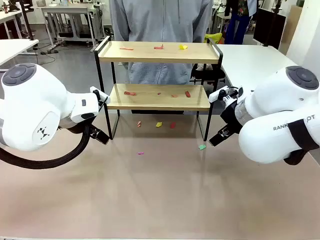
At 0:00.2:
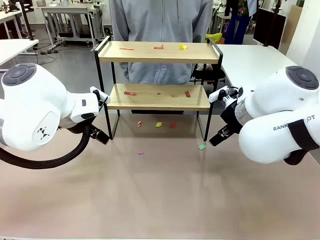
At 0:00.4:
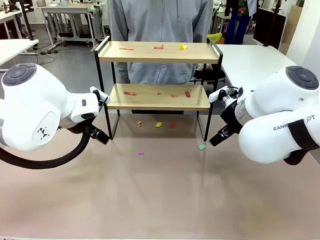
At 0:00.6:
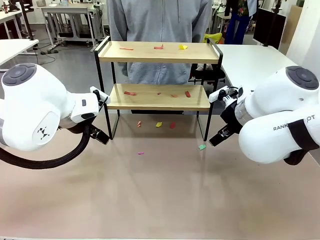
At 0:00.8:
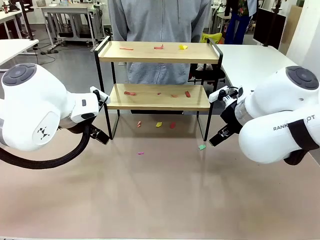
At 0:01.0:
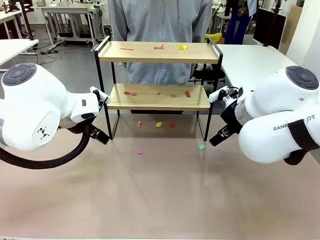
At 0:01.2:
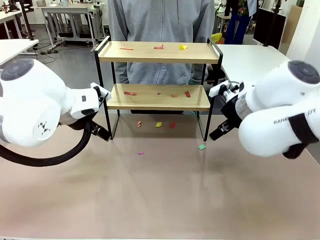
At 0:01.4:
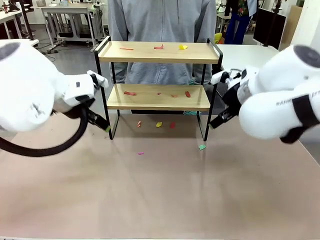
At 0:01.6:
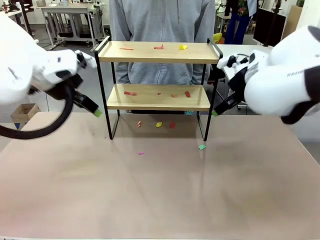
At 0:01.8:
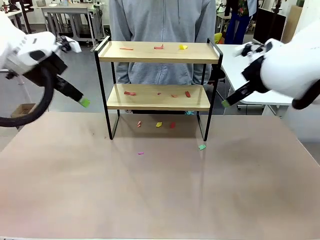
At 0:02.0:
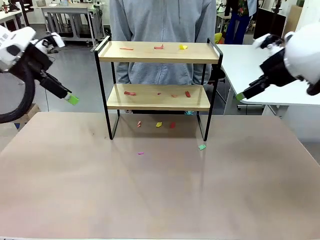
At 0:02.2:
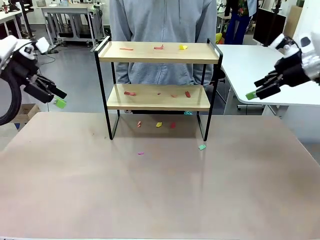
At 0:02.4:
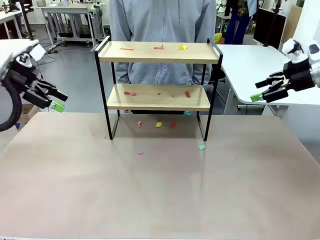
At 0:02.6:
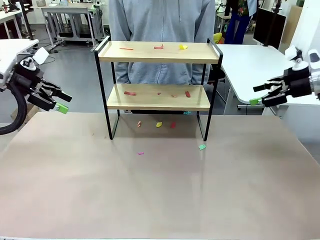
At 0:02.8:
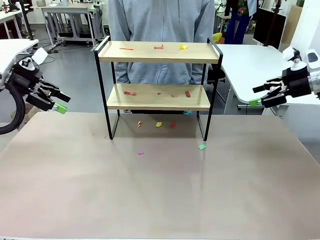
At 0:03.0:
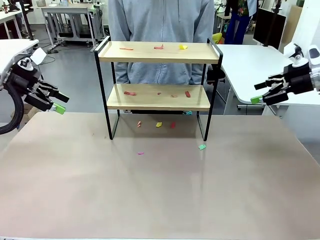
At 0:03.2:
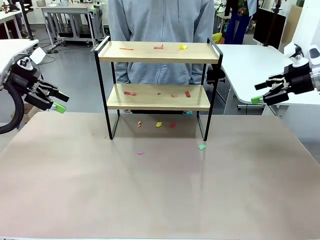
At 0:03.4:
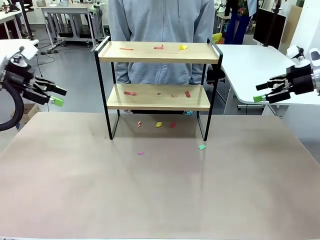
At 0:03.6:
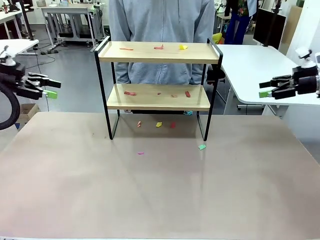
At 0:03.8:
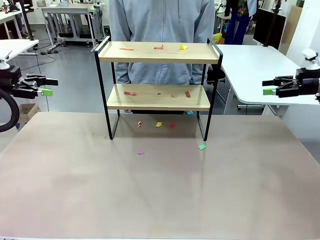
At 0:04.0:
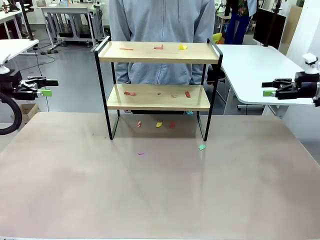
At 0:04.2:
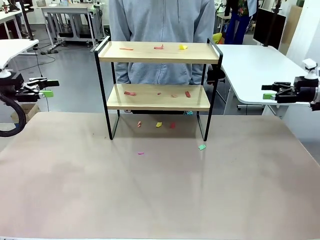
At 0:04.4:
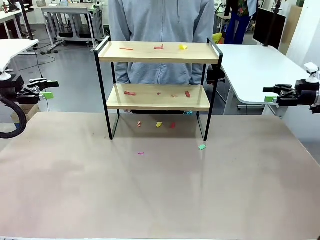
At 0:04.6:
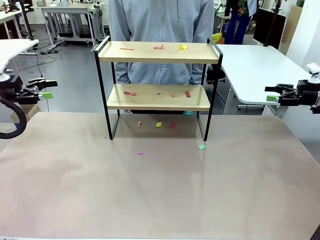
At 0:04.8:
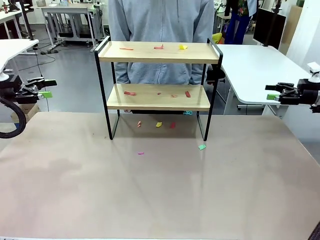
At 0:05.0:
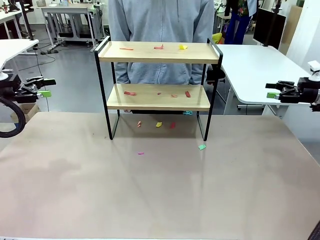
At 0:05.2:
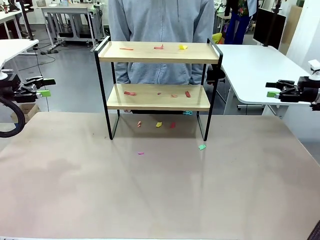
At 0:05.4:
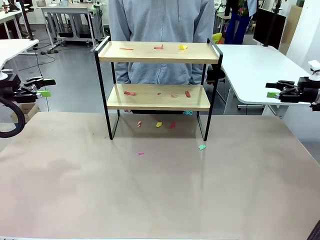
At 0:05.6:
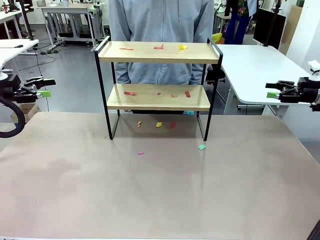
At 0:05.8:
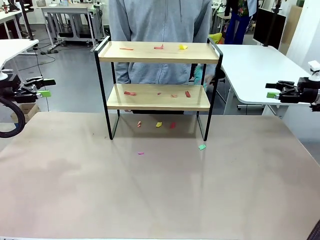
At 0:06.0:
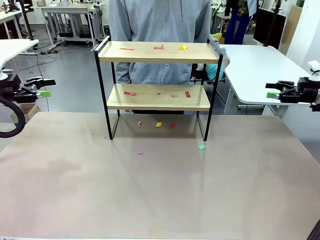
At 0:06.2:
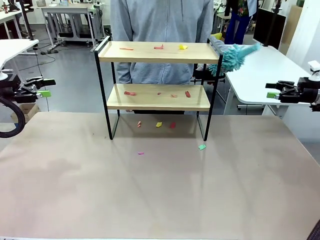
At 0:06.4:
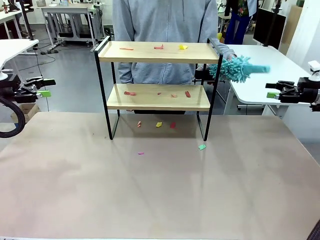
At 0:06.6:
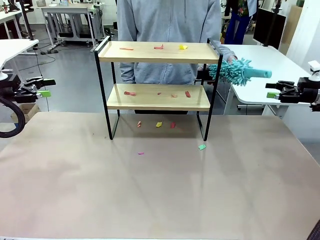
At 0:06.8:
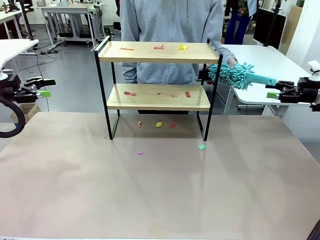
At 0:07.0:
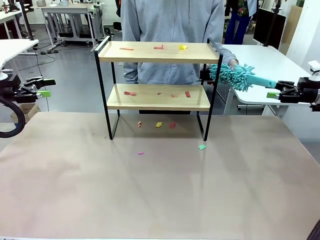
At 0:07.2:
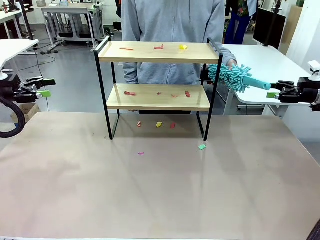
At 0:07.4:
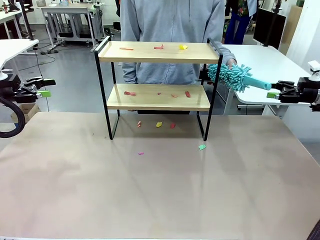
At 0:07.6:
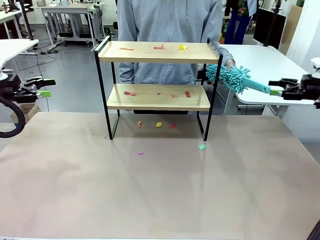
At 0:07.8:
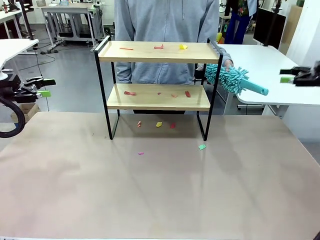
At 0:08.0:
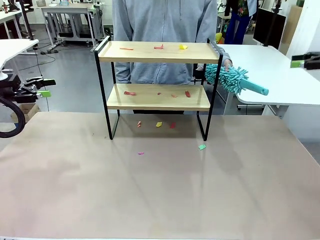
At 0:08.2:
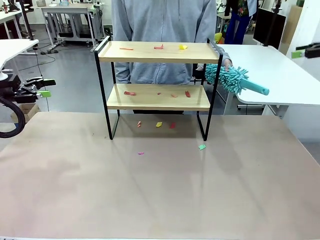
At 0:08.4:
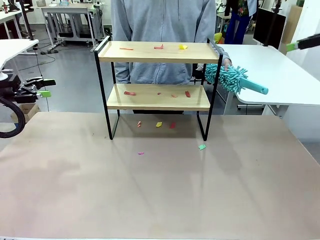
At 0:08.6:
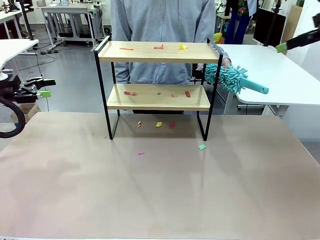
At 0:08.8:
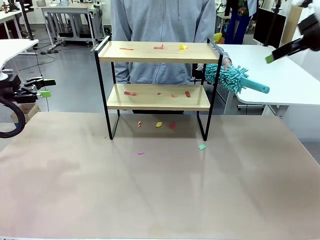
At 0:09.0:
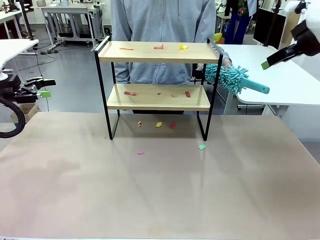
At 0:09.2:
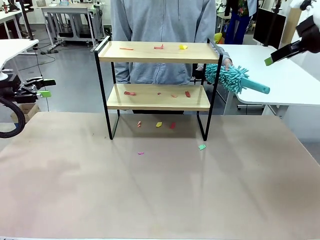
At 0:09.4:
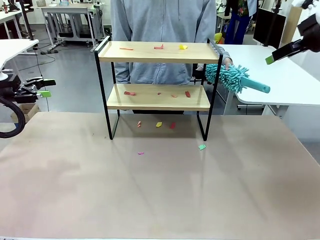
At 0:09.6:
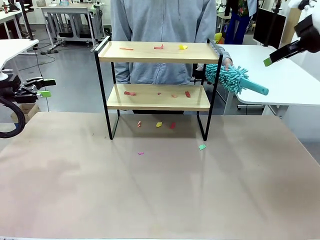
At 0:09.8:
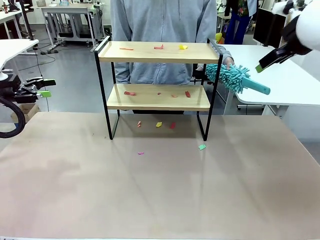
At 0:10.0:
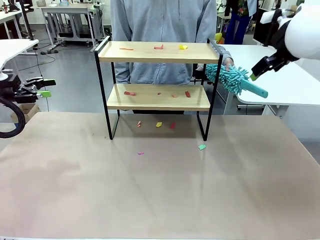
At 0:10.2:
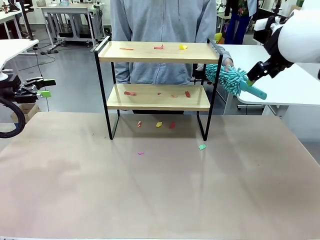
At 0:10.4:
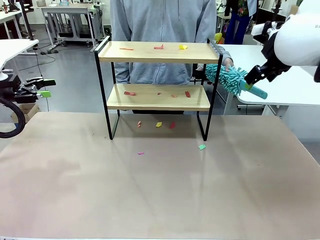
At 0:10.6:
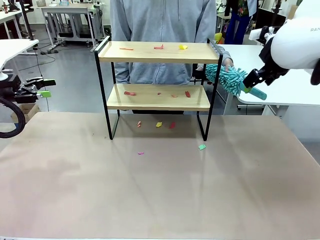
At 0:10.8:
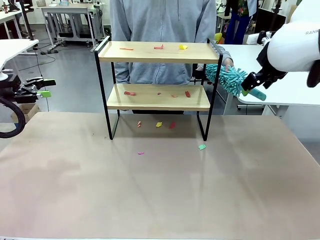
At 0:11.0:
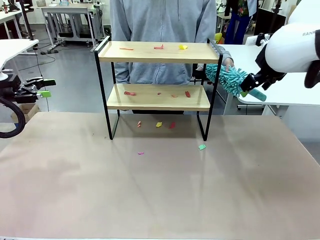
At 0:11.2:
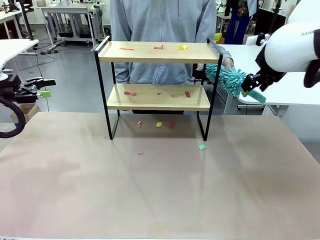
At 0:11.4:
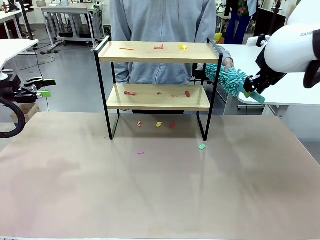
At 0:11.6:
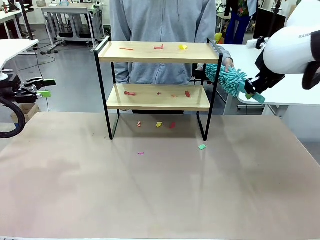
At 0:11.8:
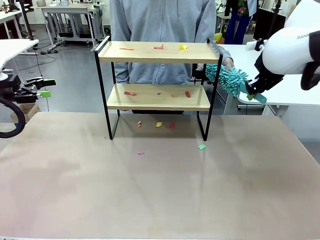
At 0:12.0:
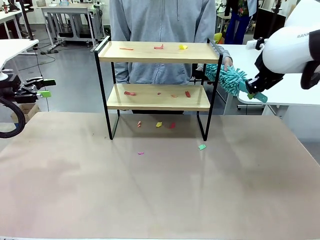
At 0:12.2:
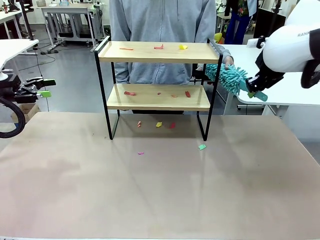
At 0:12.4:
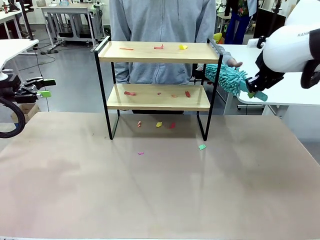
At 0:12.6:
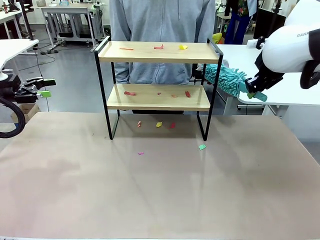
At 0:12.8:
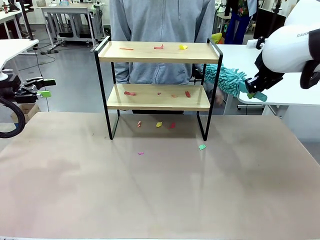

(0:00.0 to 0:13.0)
Task: Clean the shelf.
Robot: Pick up the Duster handed by the human.
Person: Hand the Duster to the robot.

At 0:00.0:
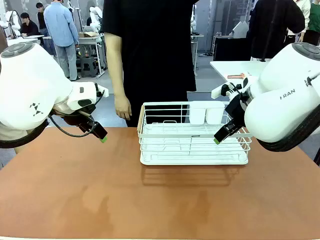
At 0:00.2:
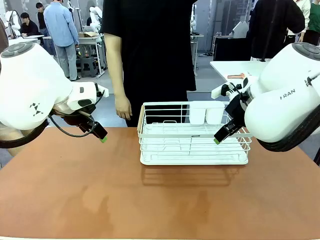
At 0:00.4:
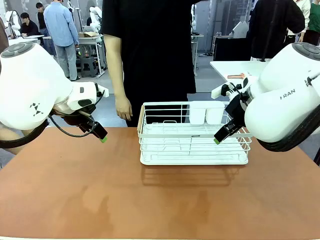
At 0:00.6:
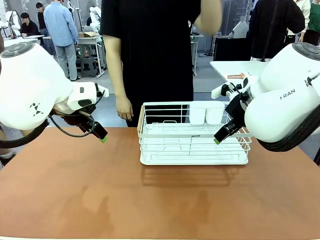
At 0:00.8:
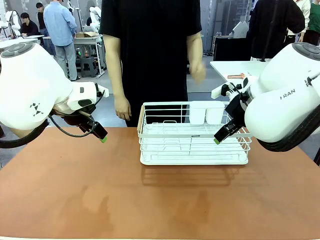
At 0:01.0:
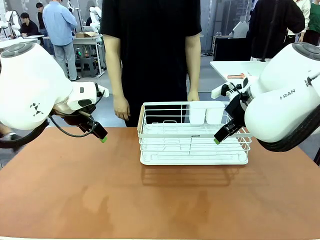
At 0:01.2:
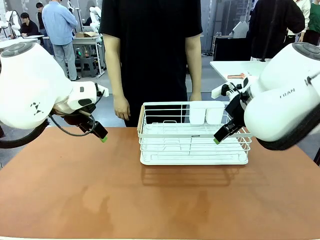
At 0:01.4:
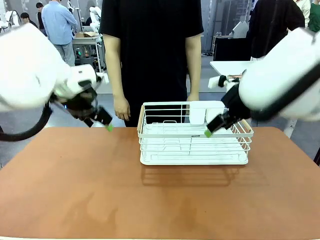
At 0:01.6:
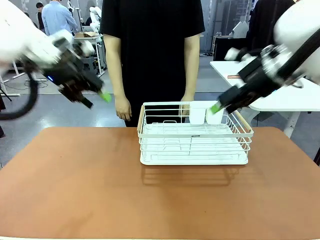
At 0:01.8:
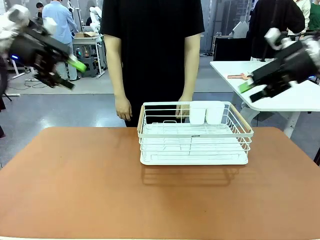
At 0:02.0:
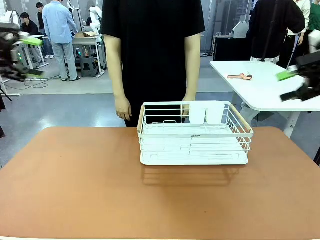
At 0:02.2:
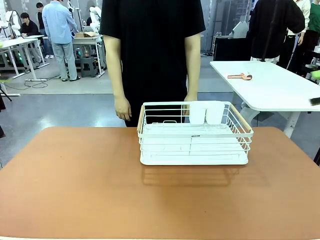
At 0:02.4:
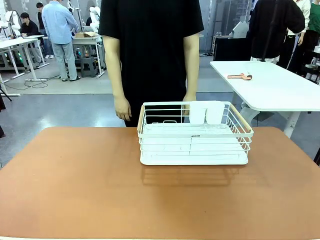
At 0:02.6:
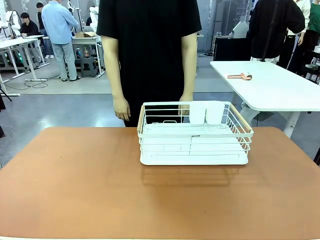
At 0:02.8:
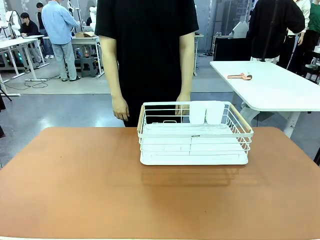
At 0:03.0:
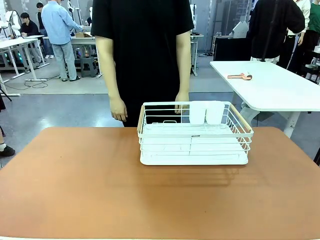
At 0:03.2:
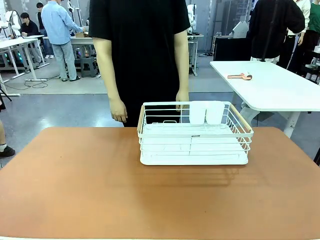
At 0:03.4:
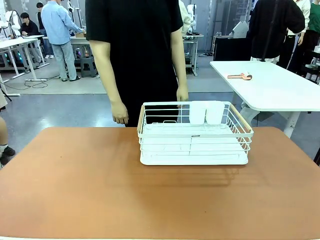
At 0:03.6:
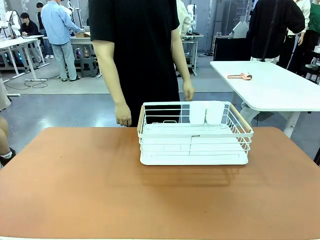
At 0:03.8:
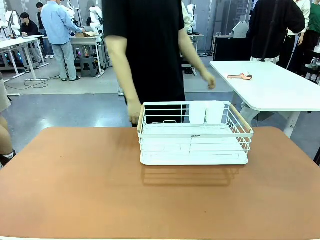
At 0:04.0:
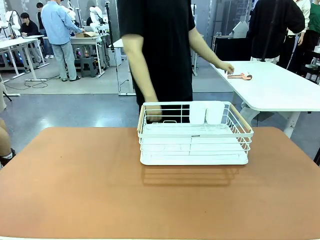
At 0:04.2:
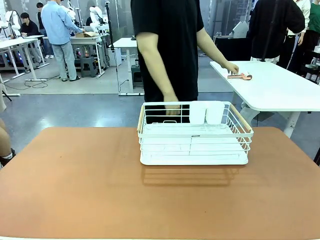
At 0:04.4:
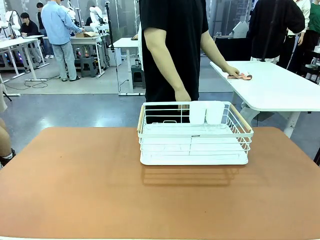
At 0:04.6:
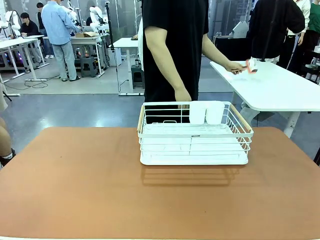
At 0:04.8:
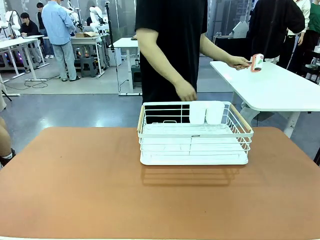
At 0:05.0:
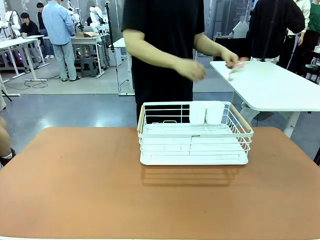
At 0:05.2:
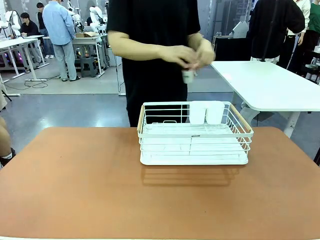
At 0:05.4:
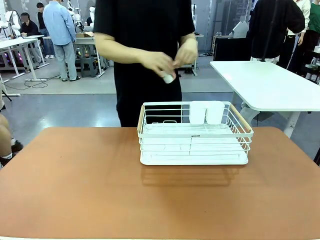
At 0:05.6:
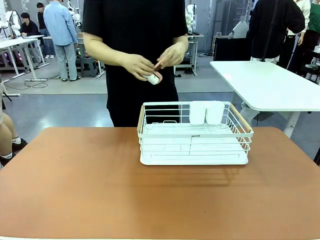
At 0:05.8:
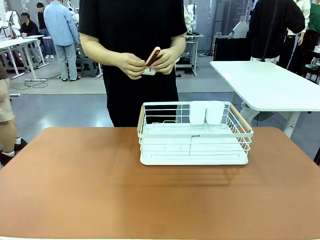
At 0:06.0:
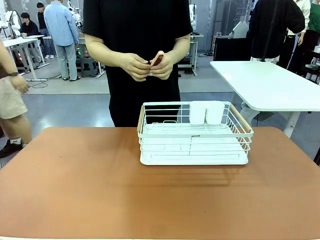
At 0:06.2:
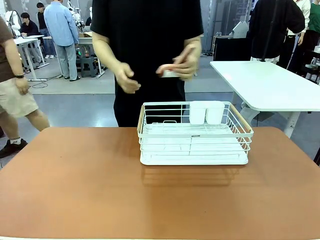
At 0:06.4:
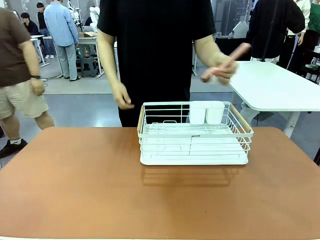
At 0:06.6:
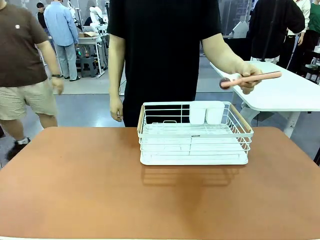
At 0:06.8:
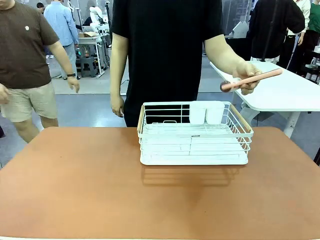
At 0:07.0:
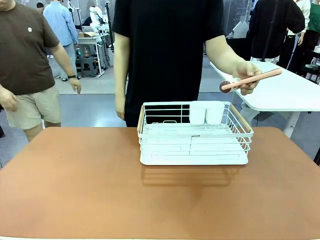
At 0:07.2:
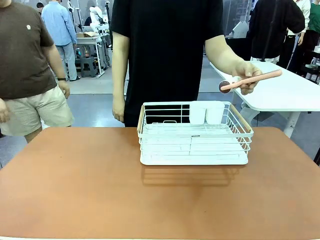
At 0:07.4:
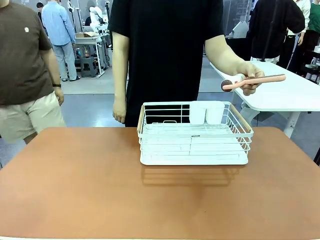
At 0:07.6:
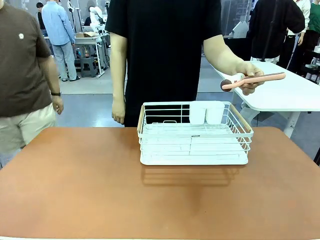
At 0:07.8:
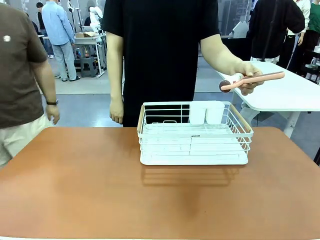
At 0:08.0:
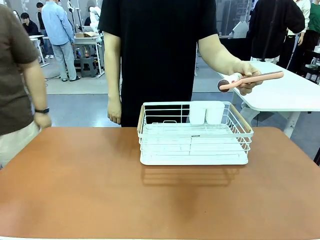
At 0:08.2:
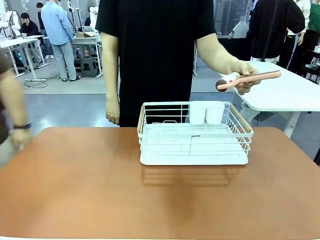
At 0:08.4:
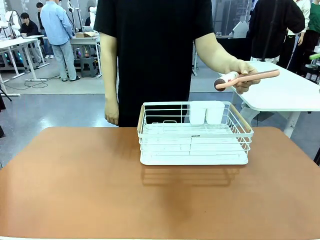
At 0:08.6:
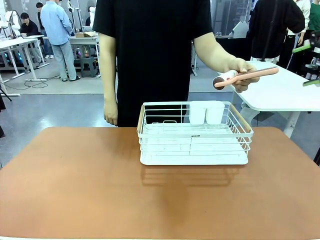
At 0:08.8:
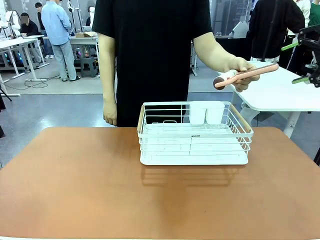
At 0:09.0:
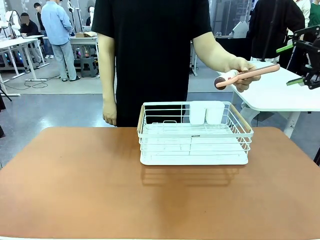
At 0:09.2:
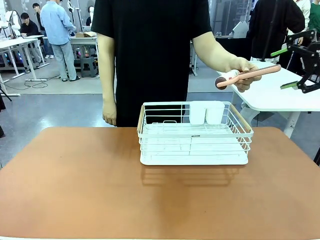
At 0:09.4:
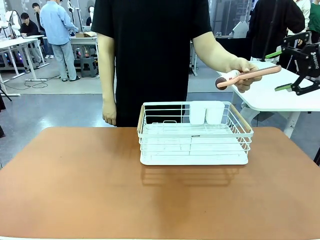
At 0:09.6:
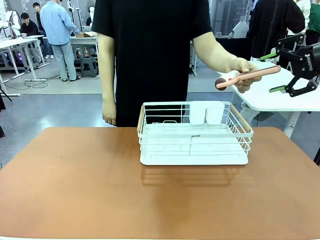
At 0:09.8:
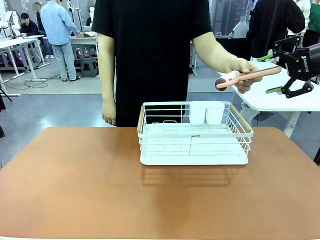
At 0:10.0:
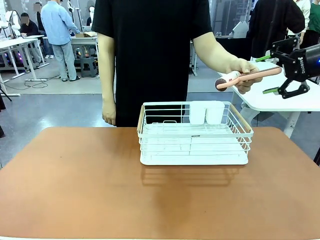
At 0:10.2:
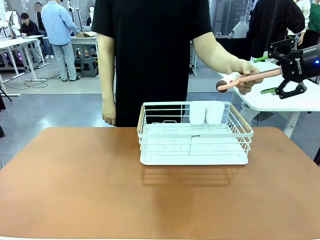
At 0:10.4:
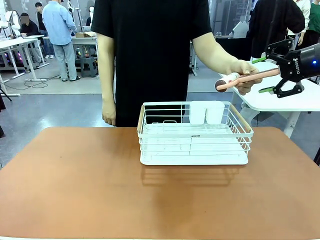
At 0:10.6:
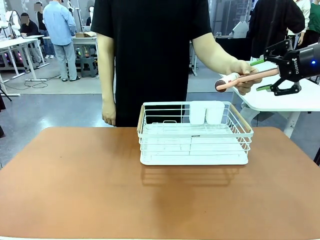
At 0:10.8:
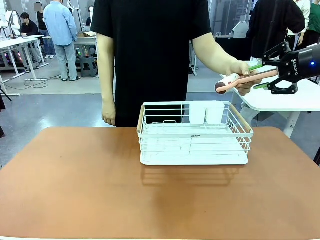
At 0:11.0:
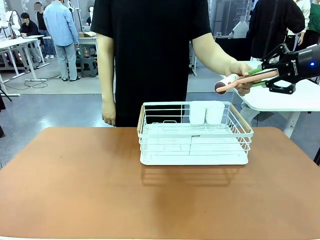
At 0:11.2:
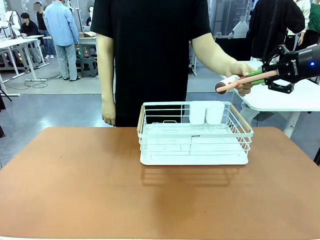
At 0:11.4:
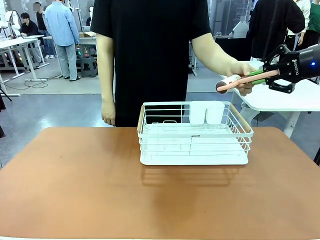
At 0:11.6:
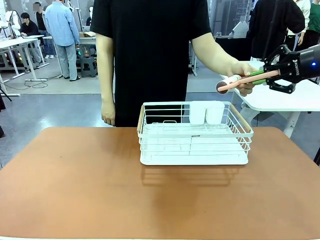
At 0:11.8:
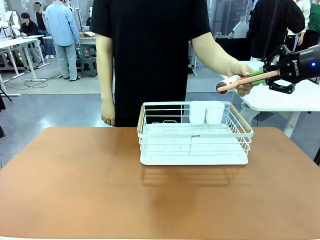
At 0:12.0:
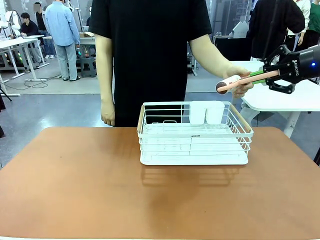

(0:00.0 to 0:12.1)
Task: Clean the table.
Robot: Pick up the Lint Roller when the human hands it over.
Person: Hand the Lint Roller to the robot so it can easily pick it up. Lift the Dish drying rack.
